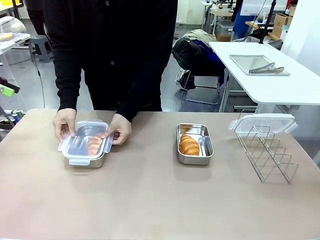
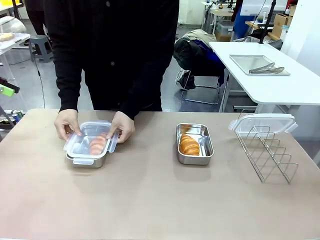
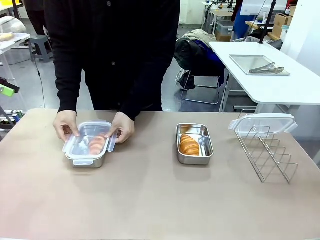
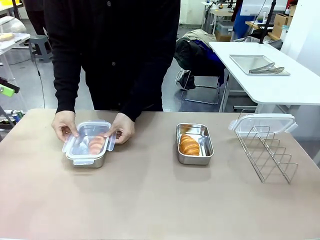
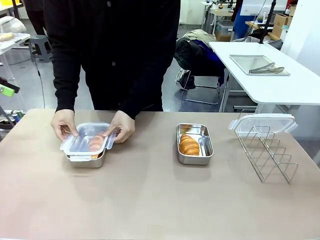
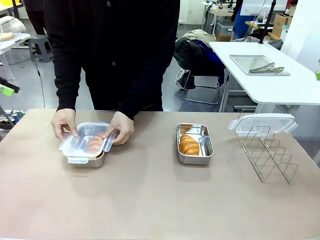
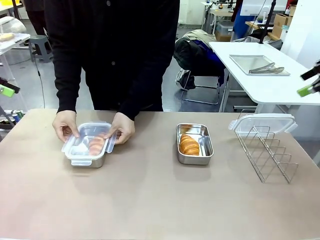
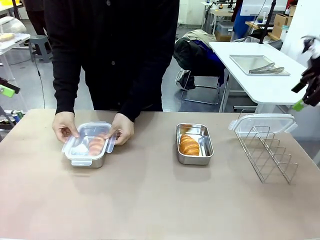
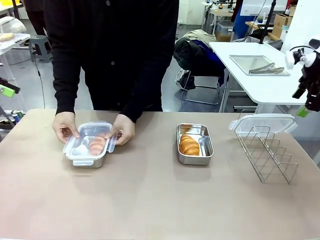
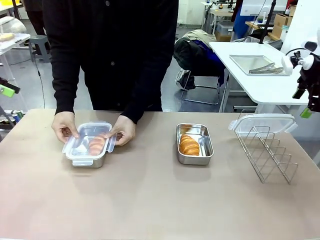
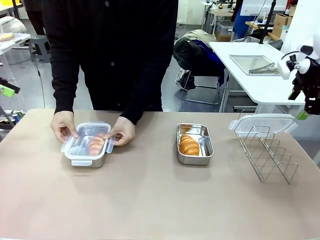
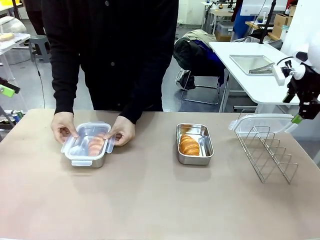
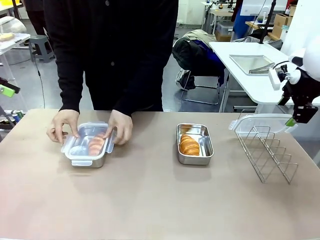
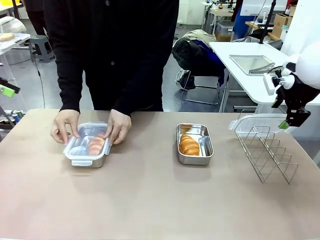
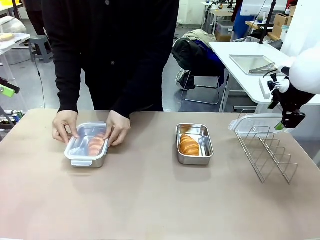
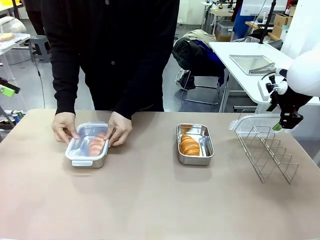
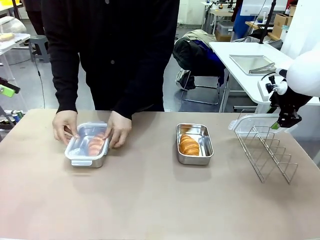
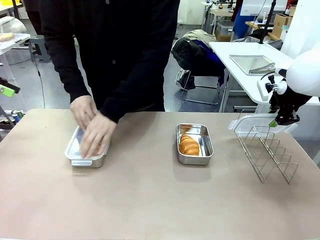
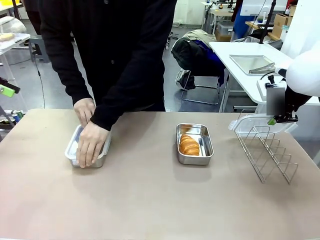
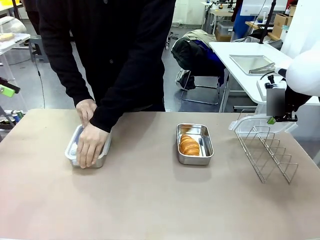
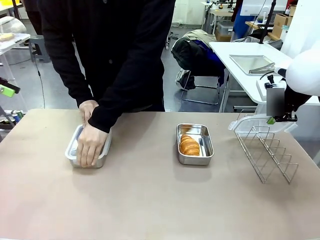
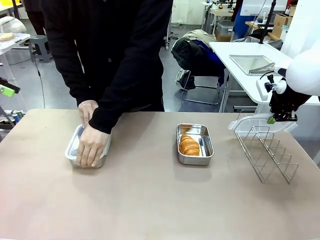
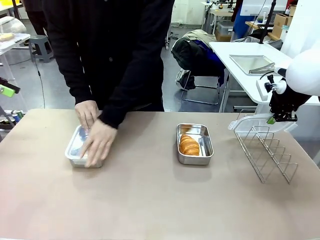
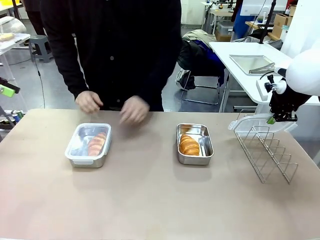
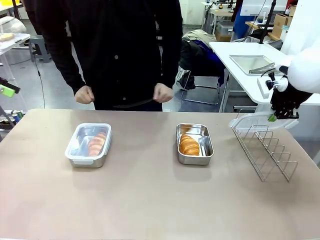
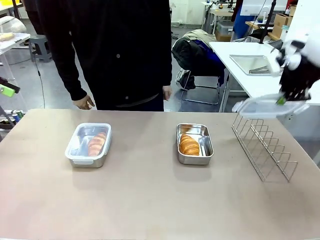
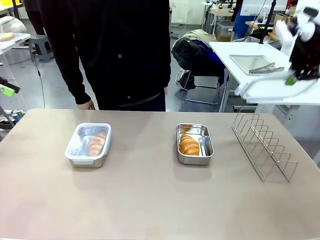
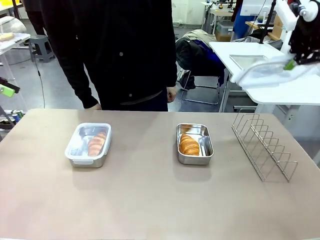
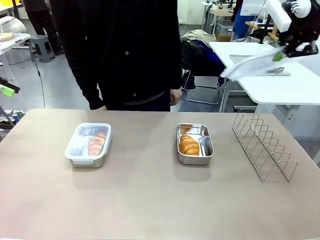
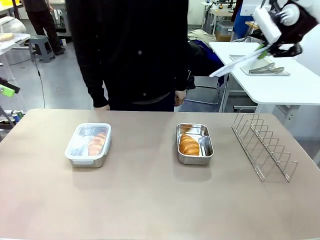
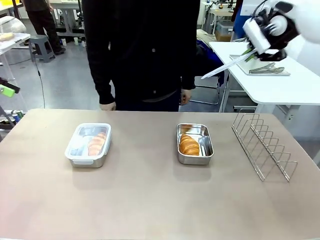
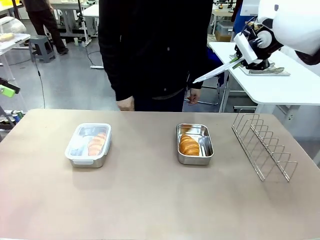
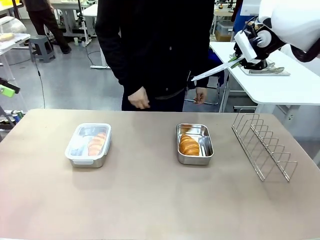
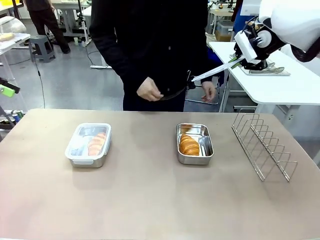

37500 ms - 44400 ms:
Task: Place the bread in airtight containers.
Robot: Pick up one Airtight Container lid and hand it to the human.
Person: Close Airtight Container with a handed Airtight Container lid. Grip Airtight Container lid that robot is handing.

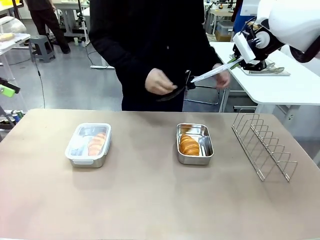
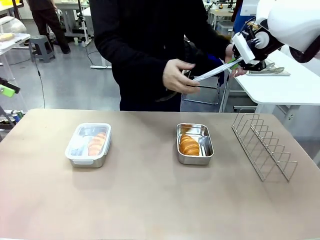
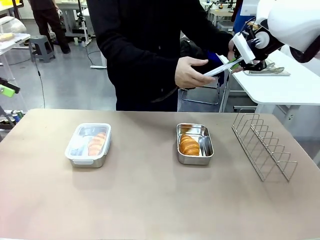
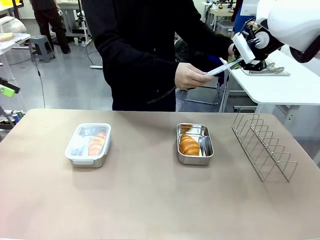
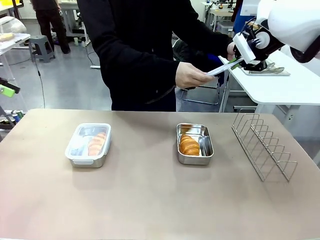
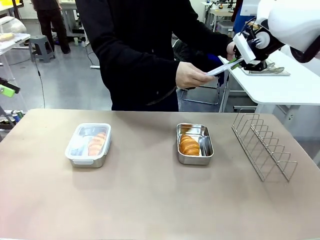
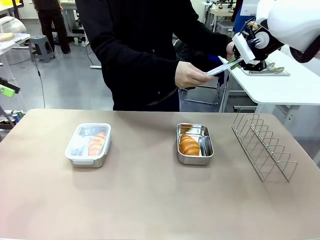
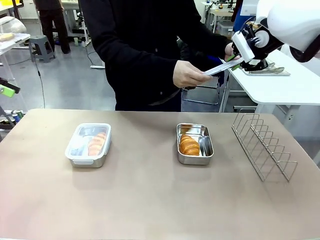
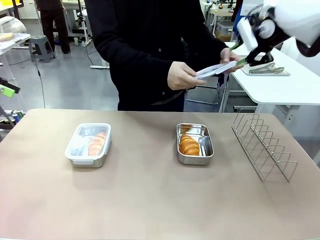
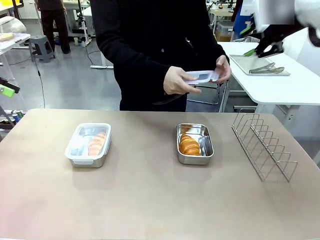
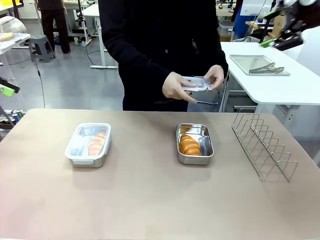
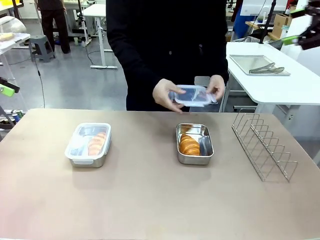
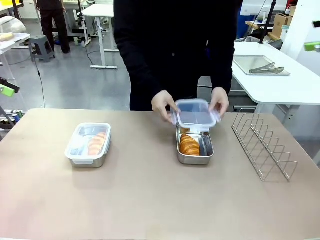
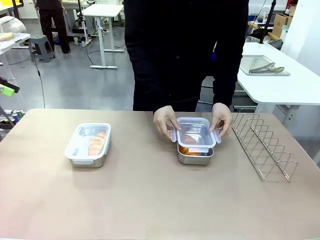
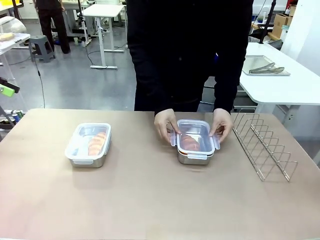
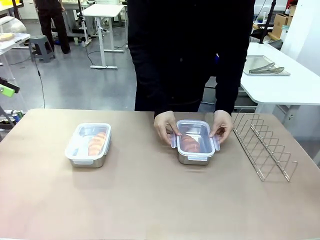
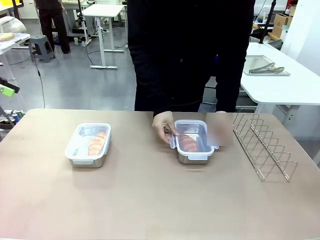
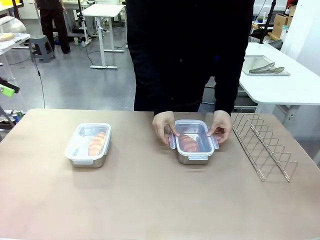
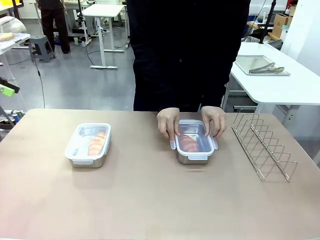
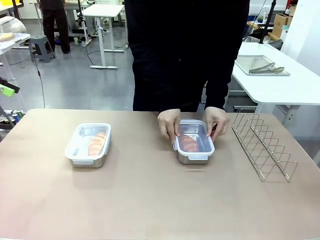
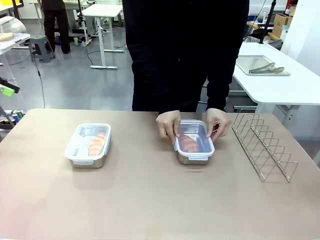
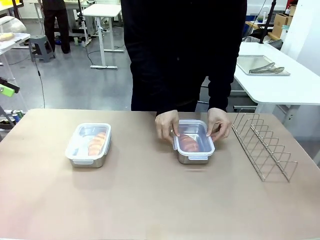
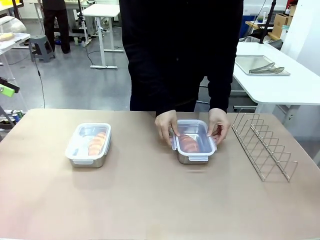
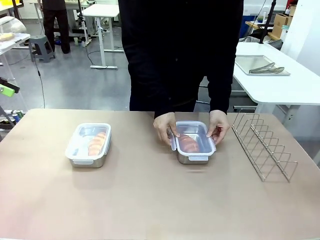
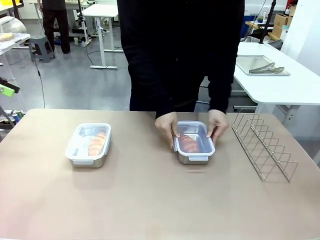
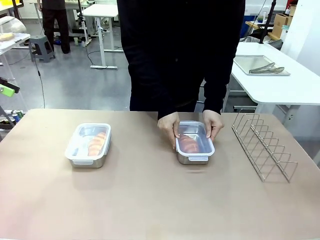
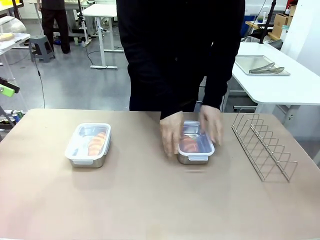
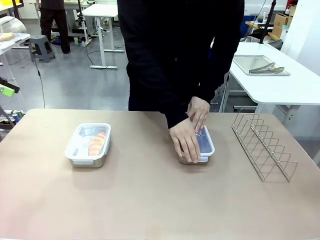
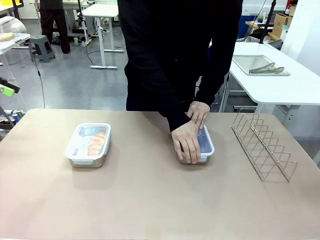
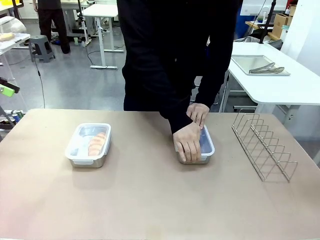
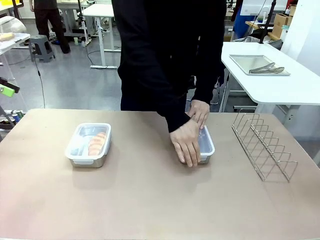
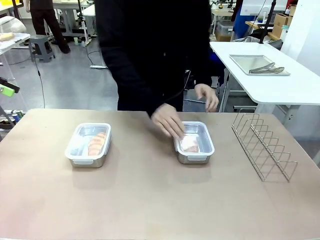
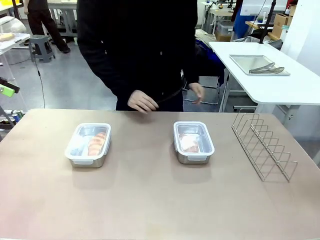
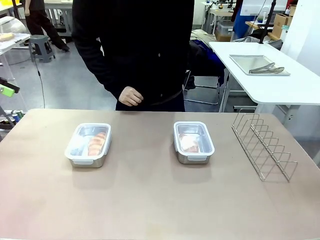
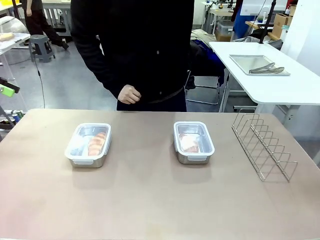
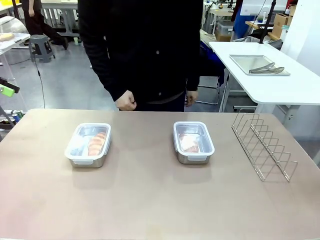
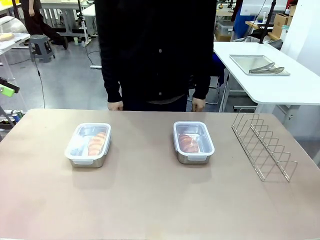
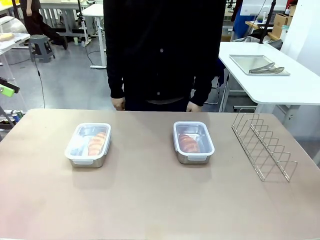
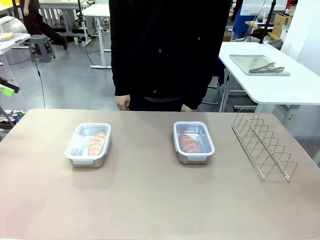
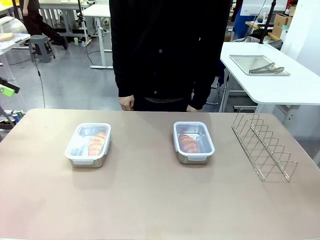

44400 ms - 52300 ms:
Robot: Release when the human grabs the Airtight Container lid.
Person: Close Airtight Container with a handed Airtight Container lid.

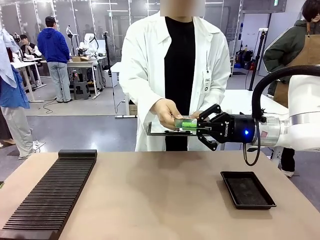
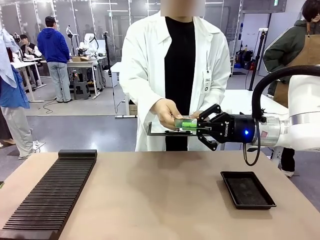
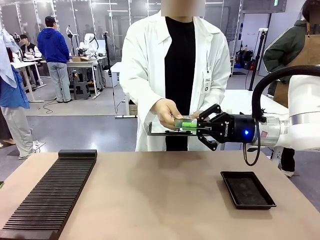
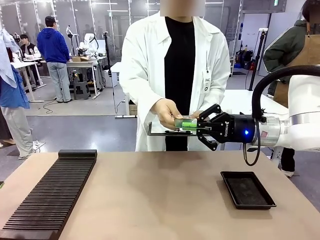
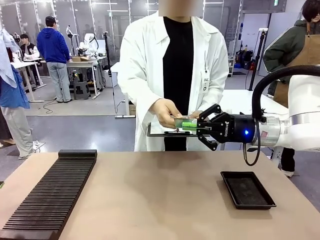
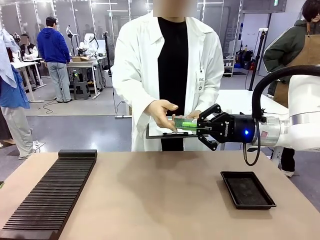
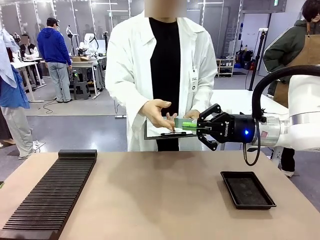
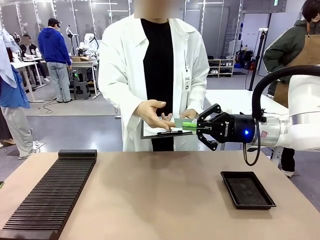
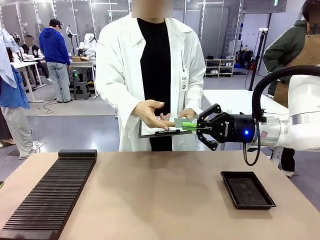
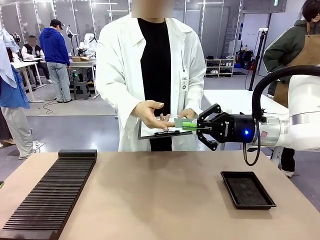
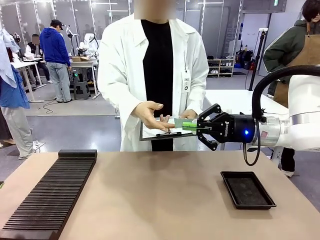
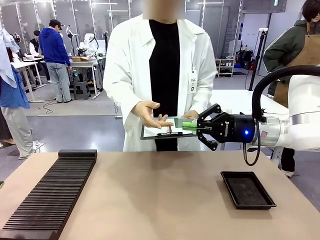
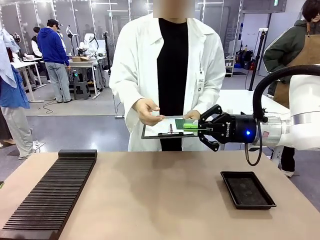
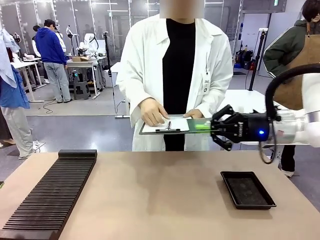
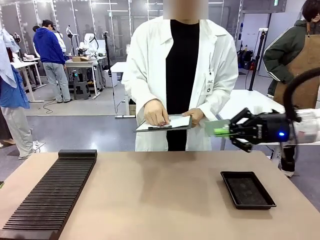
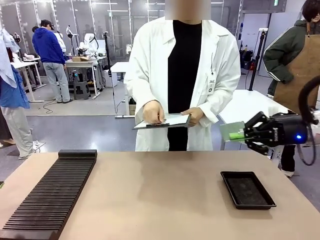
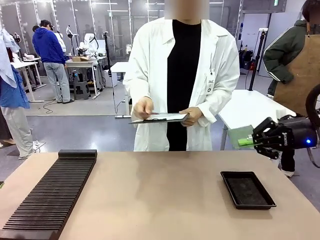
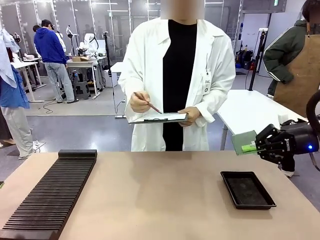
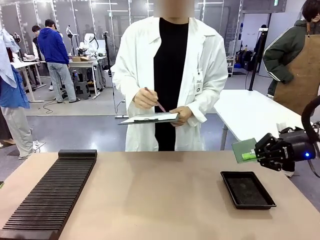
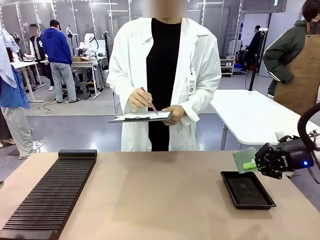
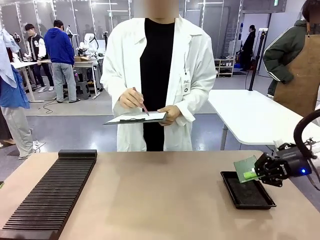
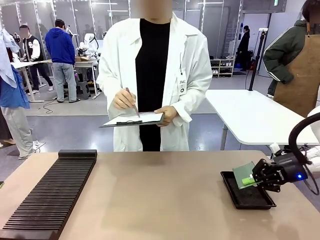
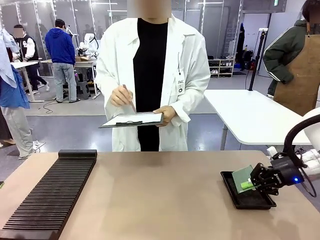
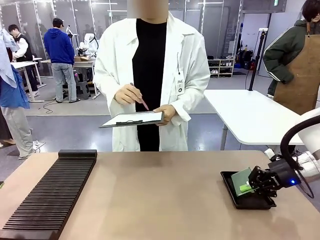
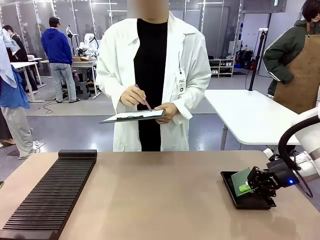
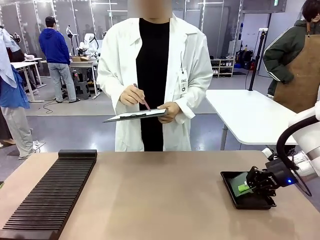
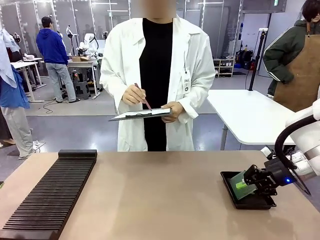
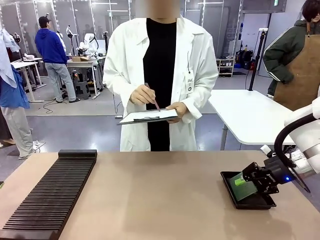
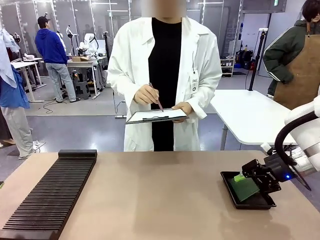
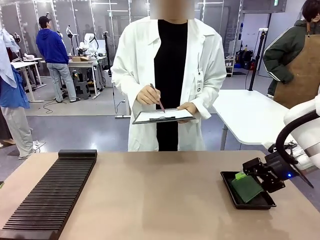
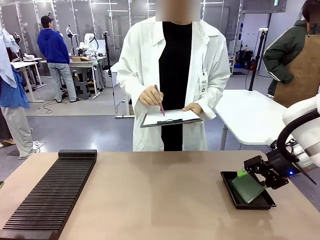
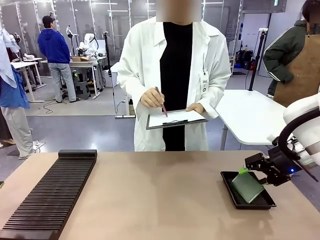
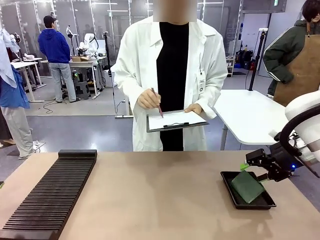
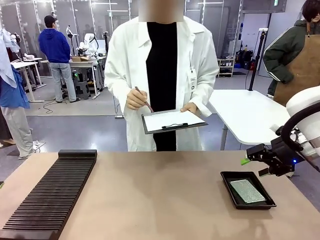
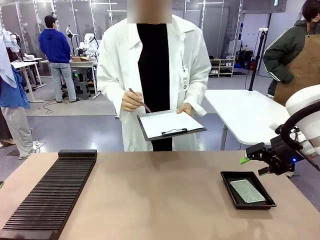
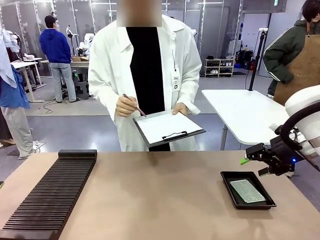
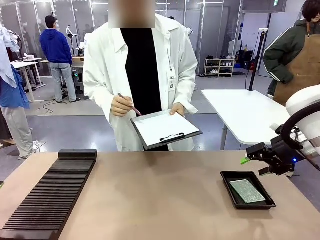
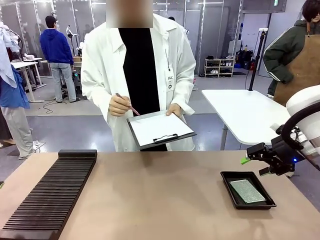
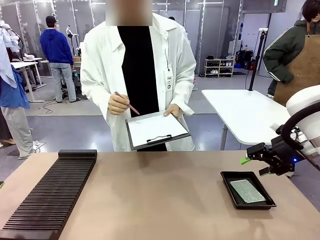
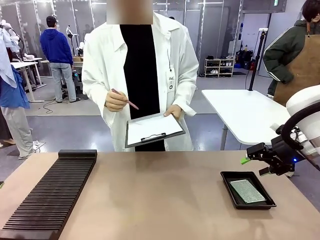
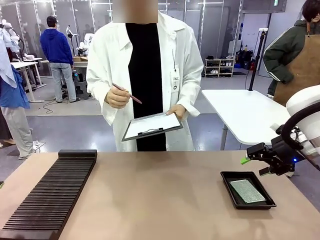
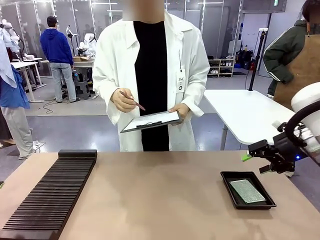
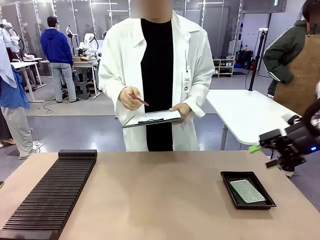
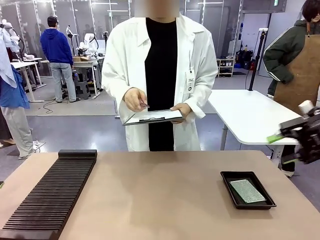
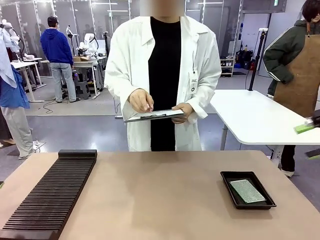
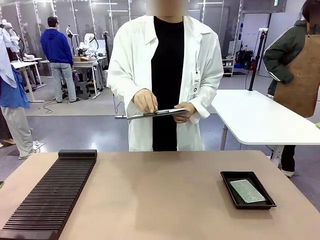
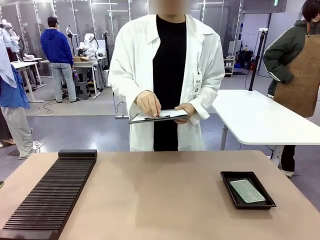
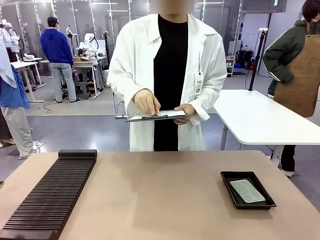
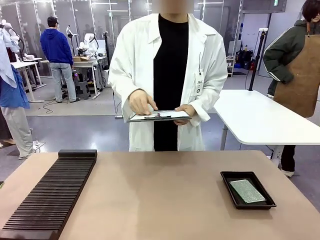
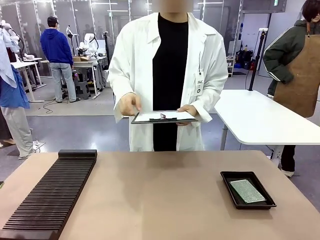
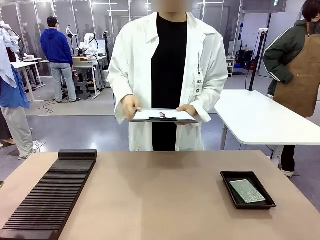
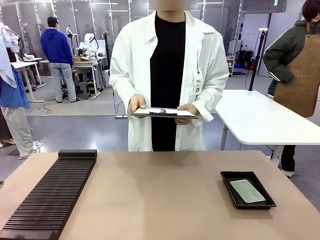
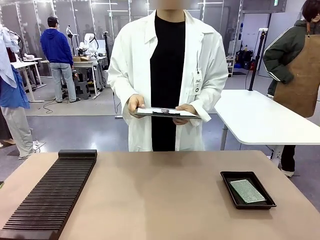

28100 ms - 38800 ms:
Task: Inspect the PCB.
Robot: Place the Blank PCB in the ESD tray.
Person: Record the PCB status on the paper.
